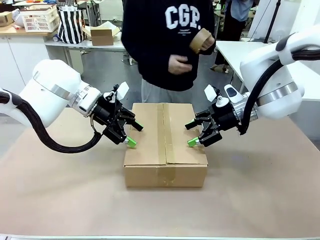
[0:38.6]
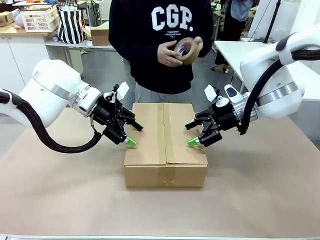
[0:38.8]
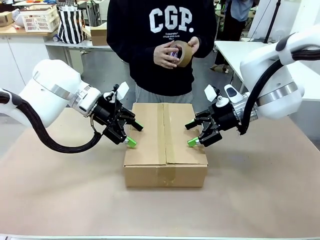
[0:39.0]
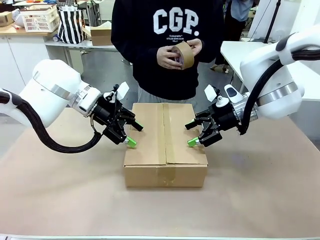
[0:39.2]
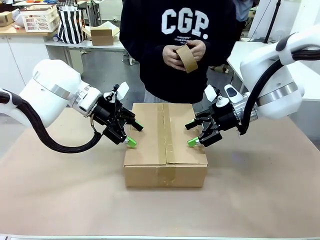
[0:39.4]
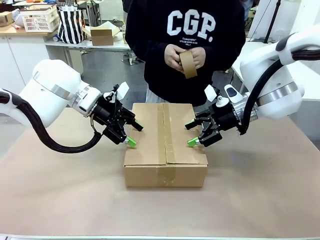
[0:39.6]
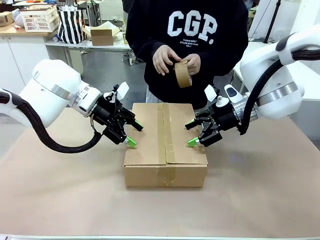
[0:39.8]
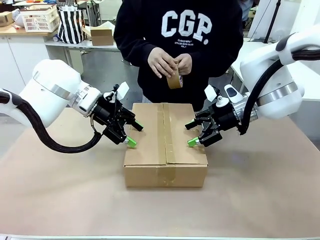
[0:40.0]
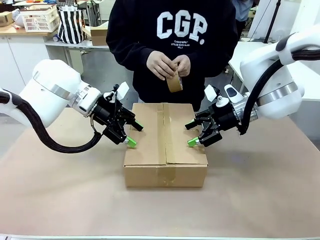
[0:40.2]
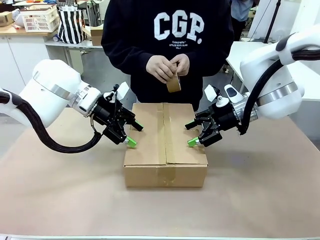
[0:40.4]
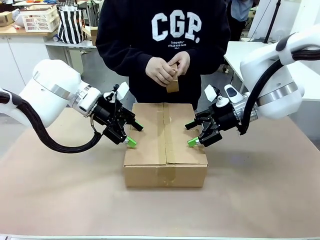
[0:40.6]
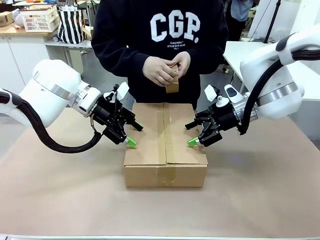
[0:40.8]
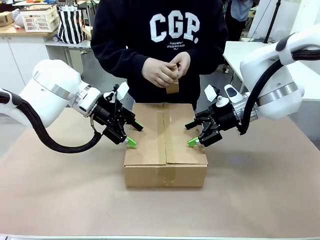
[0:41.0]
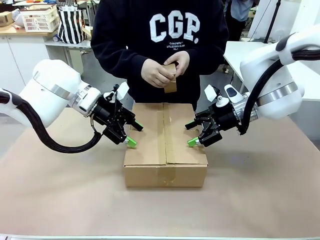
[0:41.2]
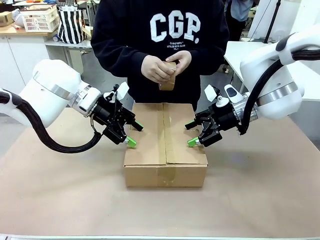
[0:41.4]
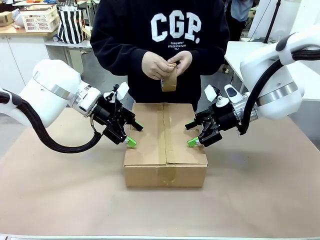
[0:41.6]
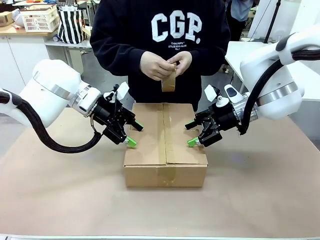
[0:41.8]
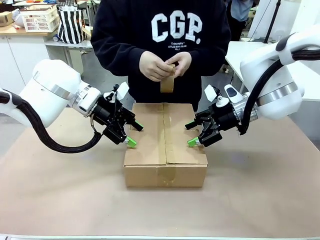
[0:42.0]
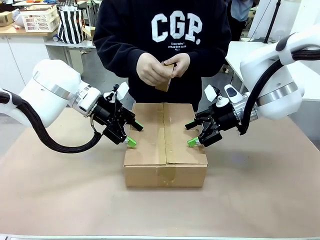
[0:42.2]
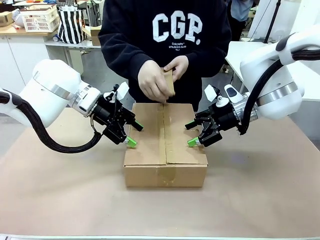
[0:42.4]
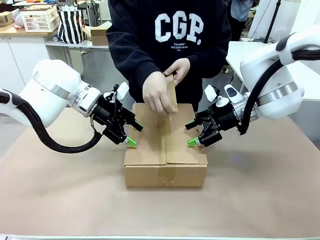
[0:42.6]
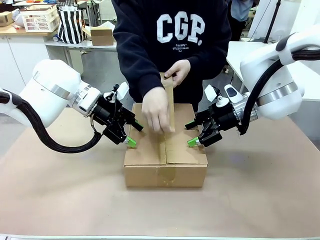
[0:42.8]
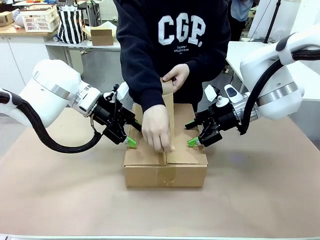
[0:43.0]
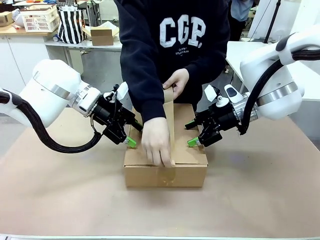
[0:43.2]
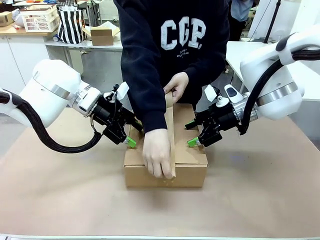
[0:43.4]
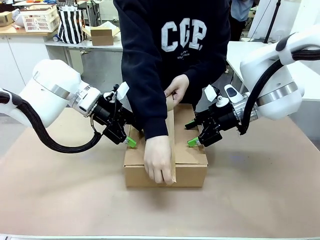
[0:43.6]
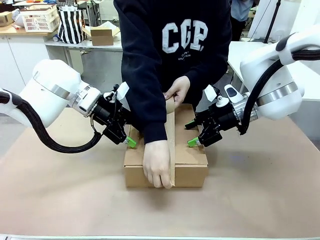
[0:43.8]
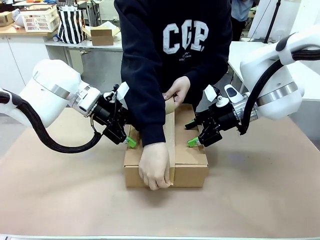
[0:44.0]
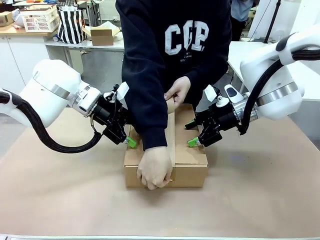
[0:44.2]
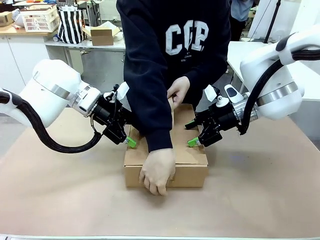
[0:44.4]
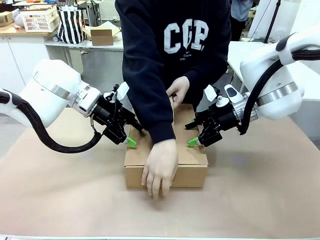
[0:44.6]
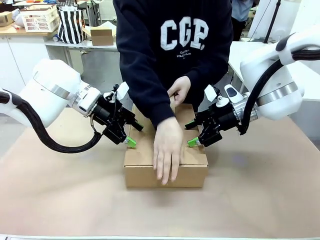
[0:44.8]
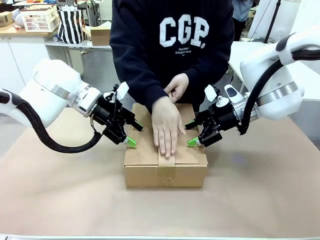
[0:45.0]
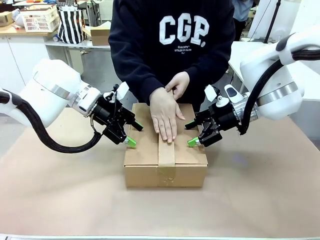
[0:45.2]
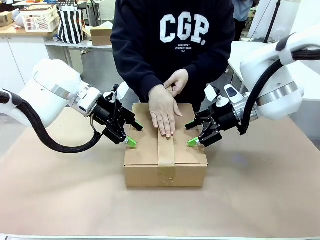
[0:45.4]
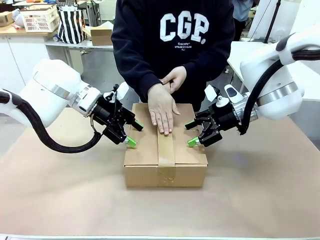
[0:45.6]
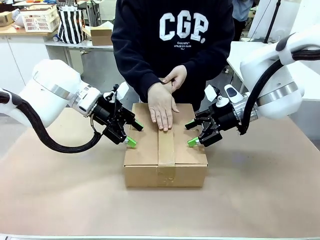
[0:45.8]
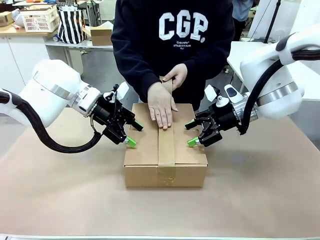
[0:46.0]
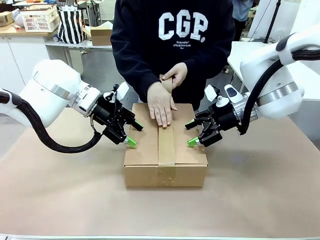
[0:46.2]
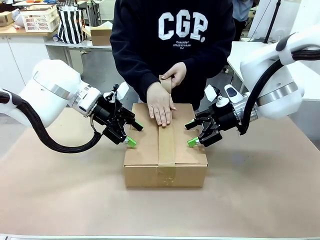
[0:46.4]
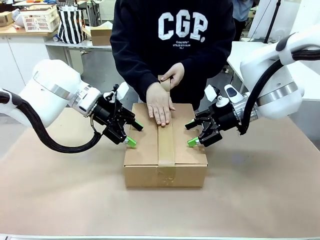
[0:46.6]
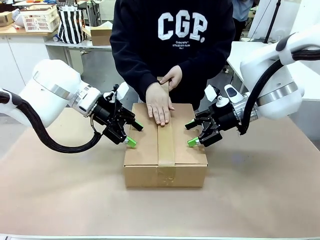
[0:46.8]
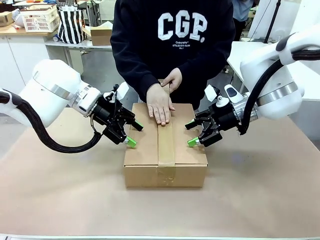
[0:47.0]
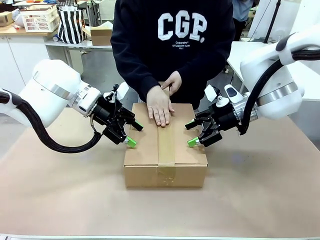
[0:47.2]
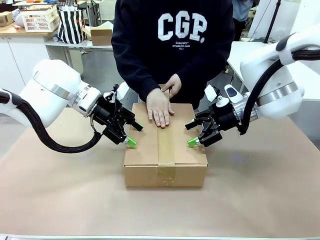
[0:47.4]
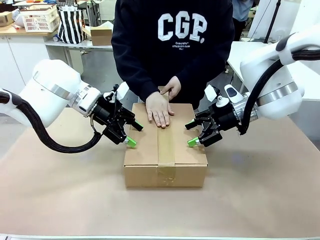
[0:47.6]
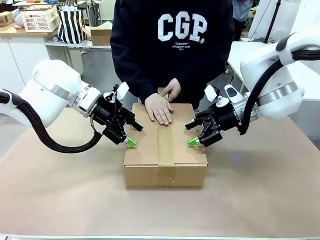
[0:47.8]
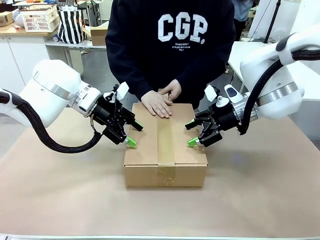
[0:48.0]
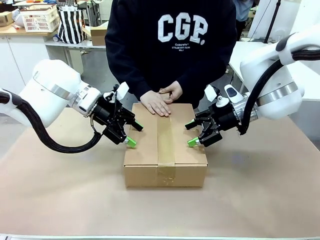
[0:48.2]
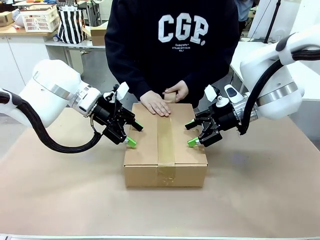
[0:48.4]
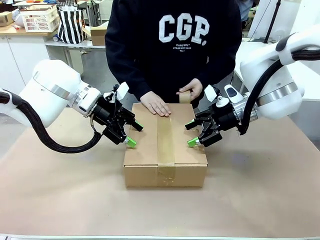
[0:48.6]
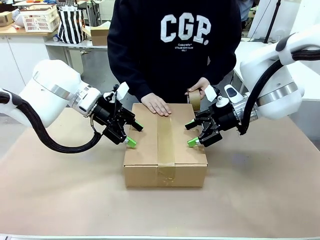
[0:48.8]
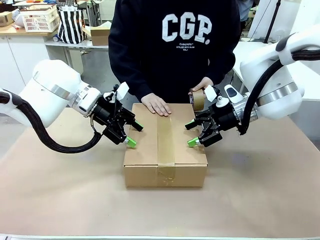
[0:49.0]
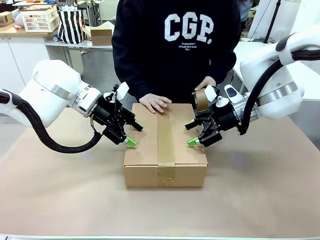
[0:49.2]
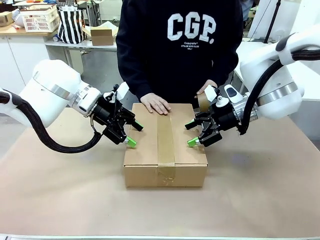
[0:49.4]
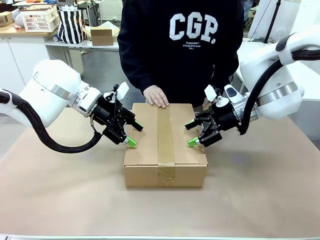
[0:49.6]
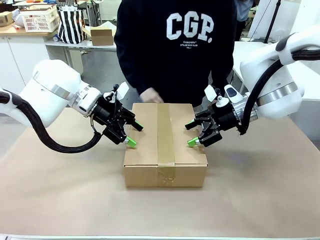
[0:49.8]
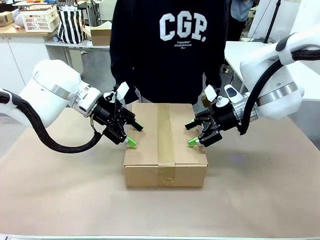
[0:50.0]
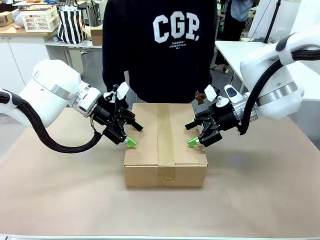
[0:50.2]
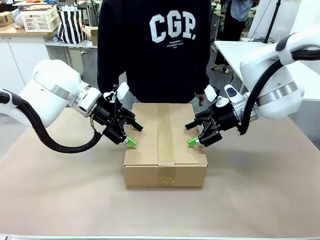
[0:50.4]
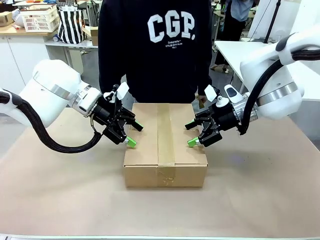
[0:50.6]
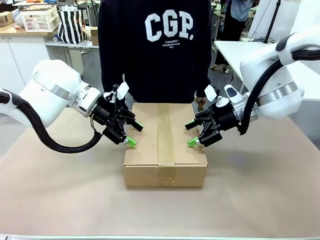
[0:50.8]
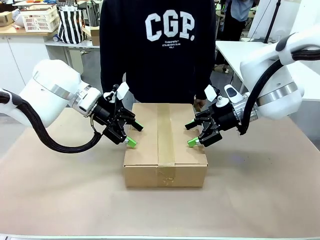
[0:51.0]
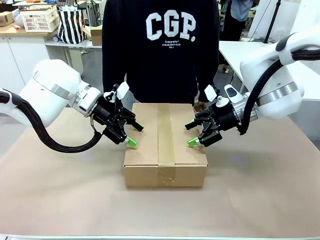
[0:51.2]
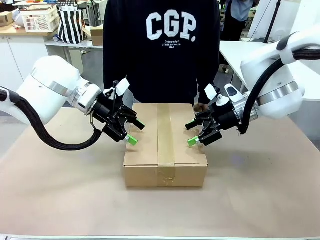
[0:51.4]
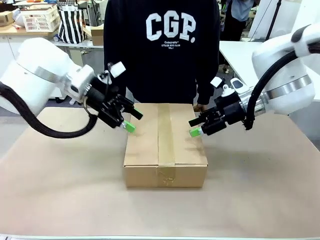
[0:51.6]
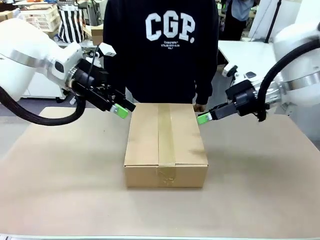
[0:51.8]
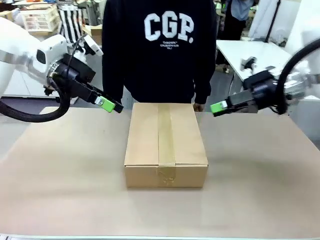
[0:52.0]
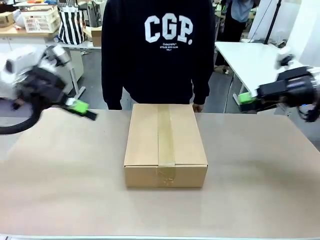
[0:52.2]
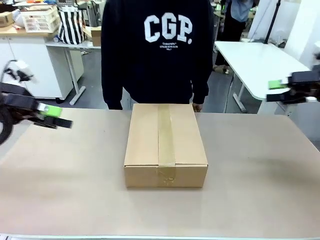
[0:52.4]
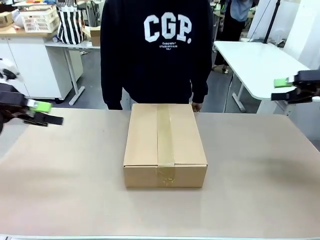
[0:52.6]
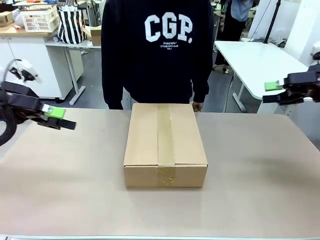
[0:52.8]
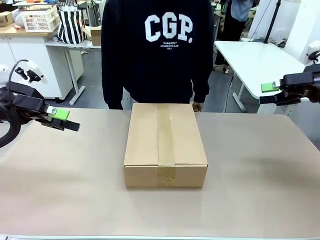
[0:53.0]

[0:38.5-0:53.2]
Task: Pack the gift set into the box.
Robot: Press and hold the closed box until the human finishes sealing it.
Person: The human picks up the paper tape from the human table and packs the box.
